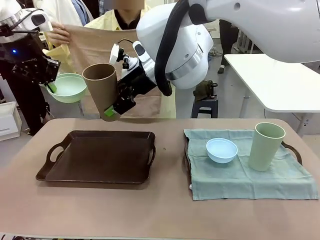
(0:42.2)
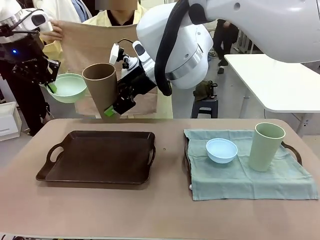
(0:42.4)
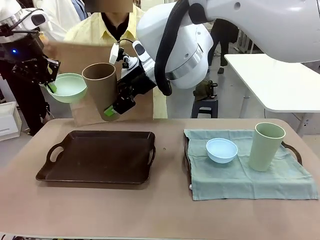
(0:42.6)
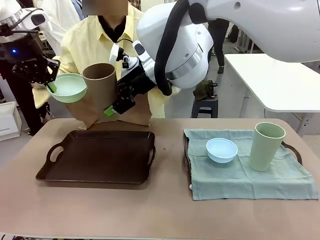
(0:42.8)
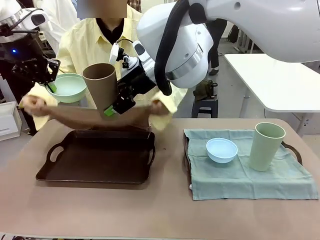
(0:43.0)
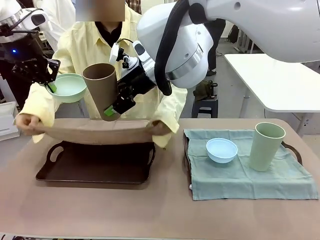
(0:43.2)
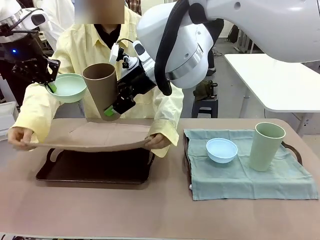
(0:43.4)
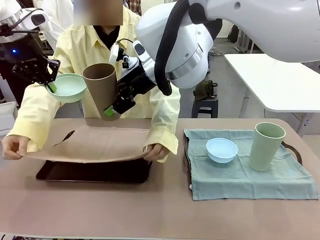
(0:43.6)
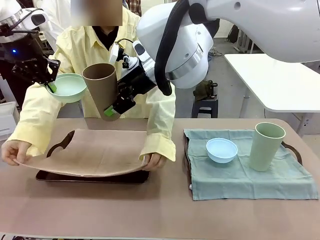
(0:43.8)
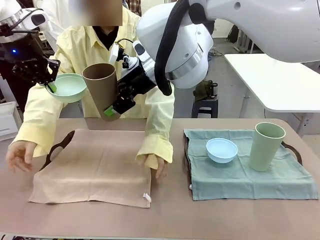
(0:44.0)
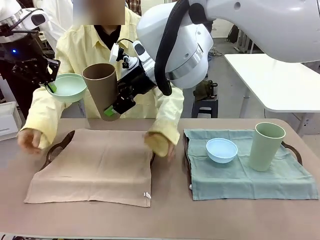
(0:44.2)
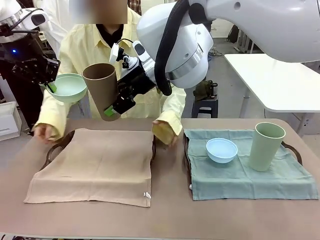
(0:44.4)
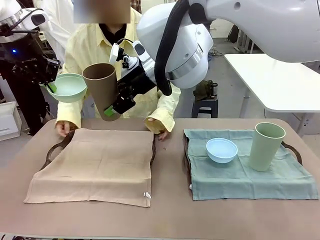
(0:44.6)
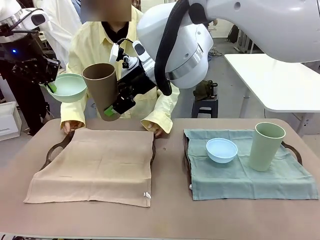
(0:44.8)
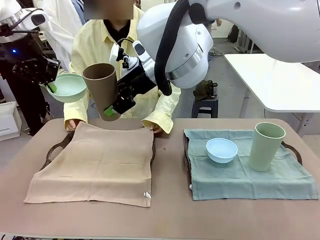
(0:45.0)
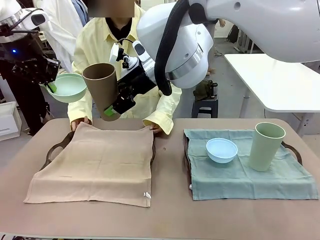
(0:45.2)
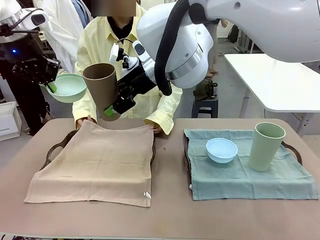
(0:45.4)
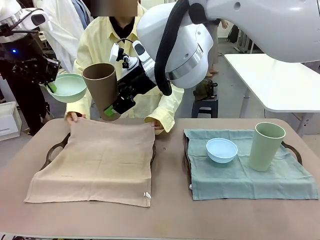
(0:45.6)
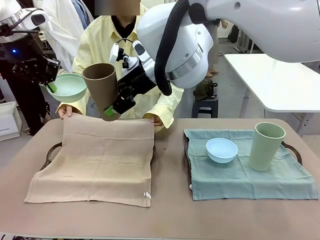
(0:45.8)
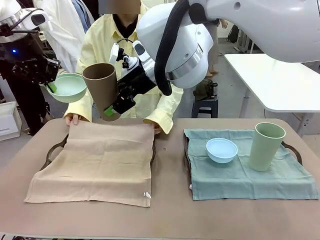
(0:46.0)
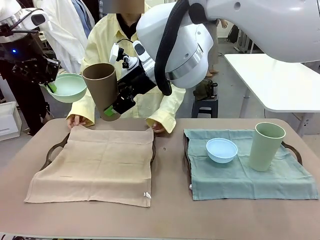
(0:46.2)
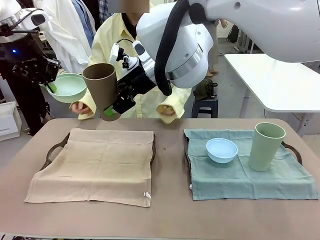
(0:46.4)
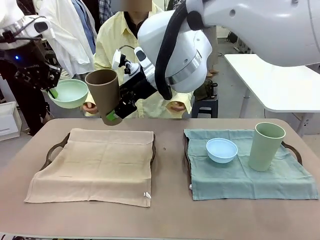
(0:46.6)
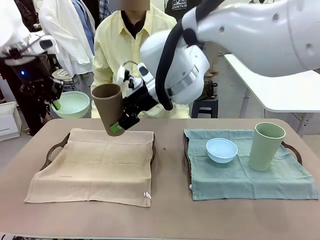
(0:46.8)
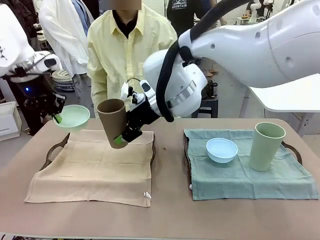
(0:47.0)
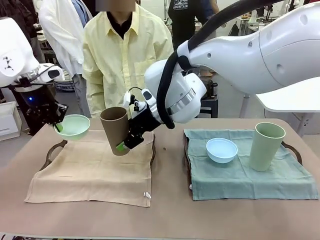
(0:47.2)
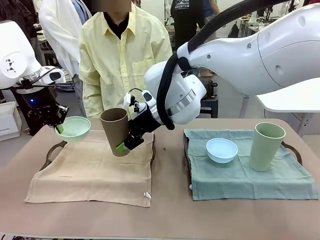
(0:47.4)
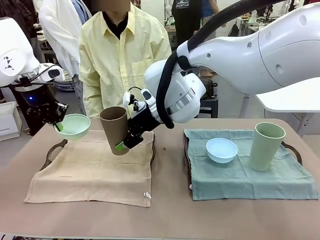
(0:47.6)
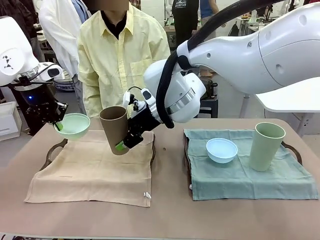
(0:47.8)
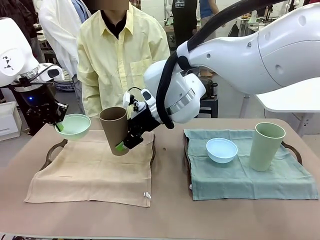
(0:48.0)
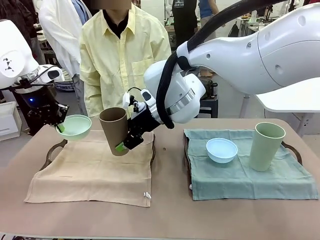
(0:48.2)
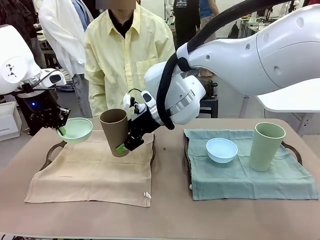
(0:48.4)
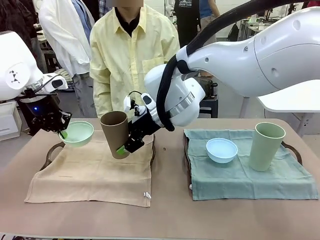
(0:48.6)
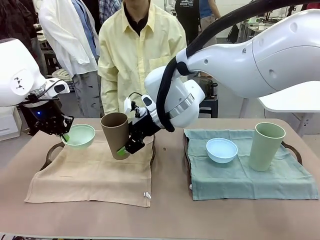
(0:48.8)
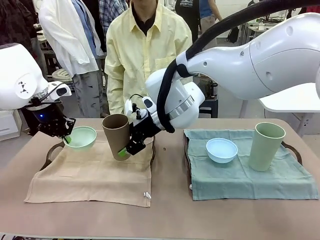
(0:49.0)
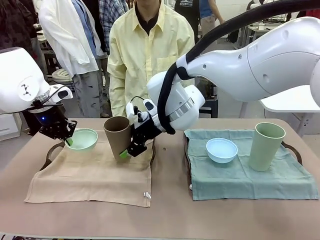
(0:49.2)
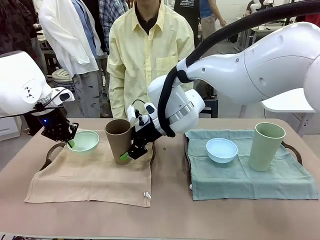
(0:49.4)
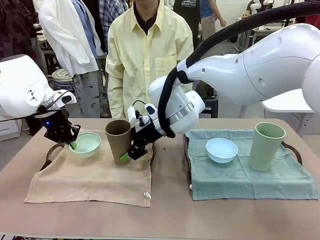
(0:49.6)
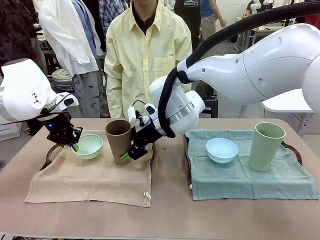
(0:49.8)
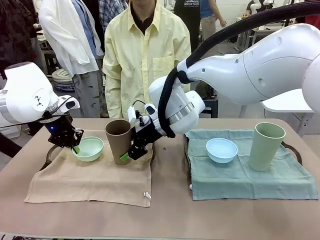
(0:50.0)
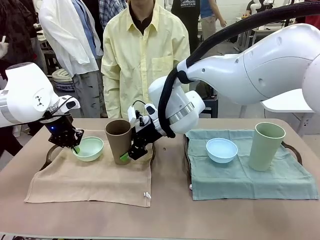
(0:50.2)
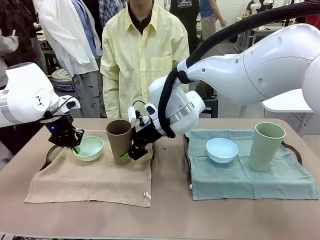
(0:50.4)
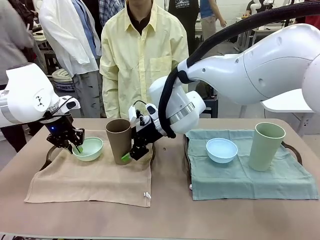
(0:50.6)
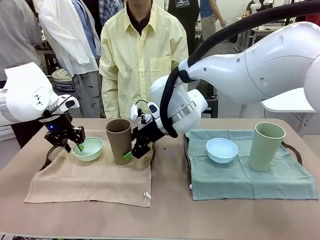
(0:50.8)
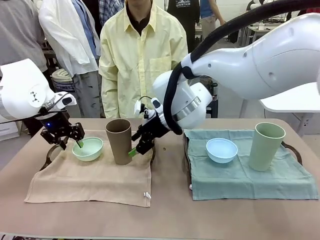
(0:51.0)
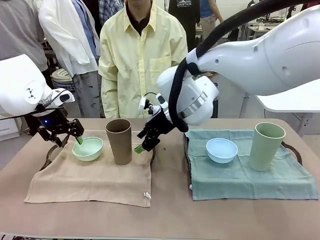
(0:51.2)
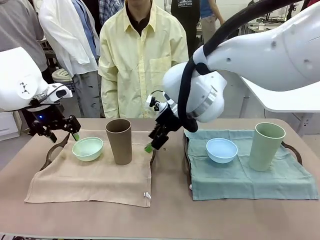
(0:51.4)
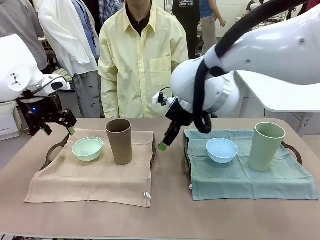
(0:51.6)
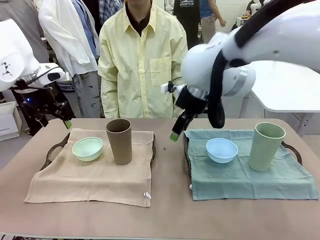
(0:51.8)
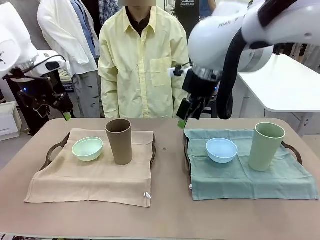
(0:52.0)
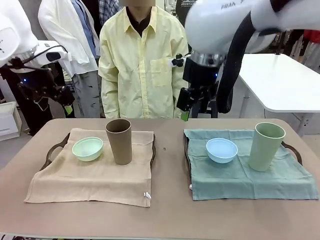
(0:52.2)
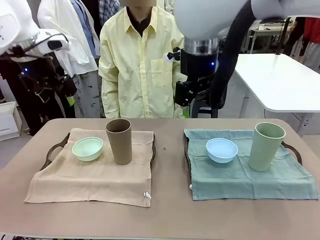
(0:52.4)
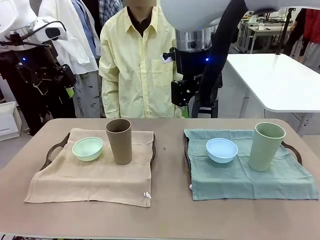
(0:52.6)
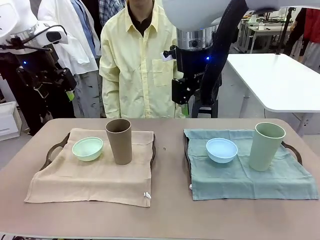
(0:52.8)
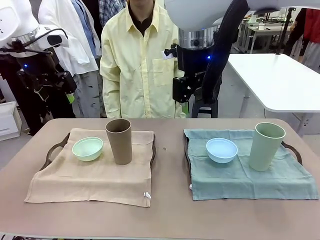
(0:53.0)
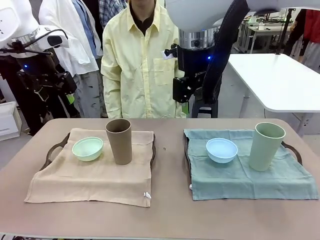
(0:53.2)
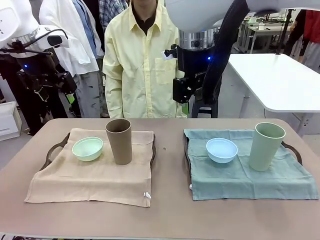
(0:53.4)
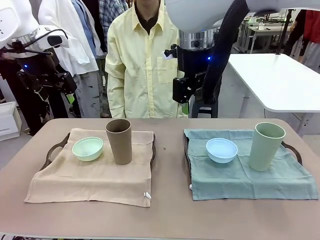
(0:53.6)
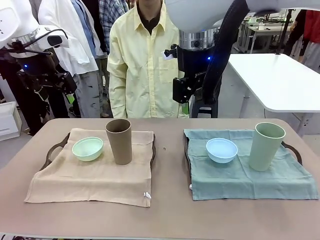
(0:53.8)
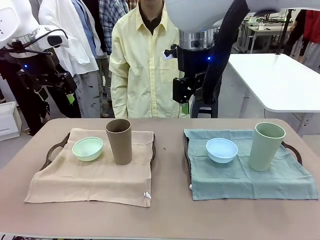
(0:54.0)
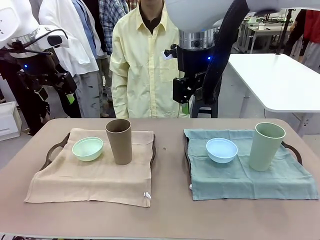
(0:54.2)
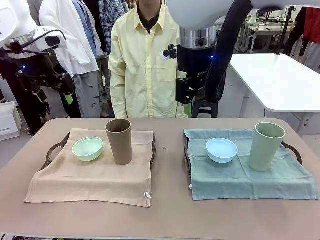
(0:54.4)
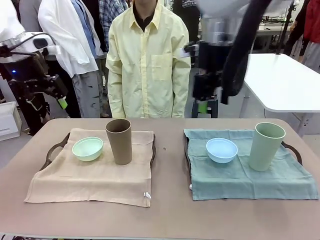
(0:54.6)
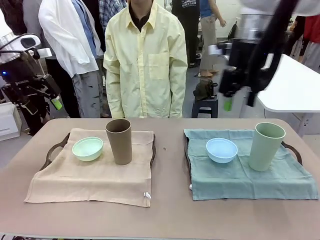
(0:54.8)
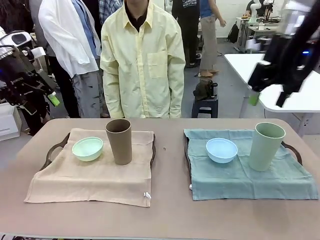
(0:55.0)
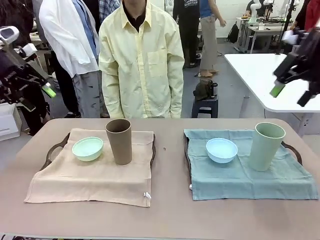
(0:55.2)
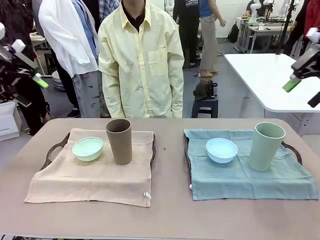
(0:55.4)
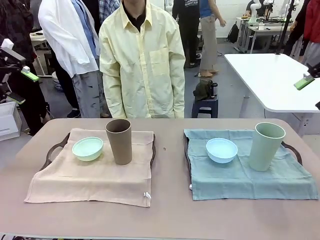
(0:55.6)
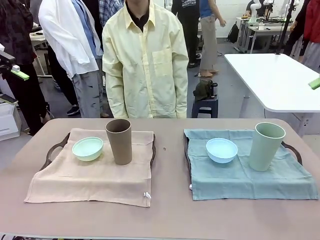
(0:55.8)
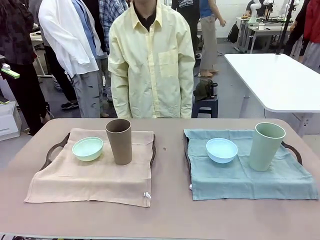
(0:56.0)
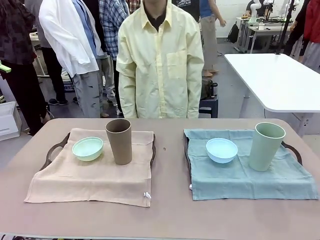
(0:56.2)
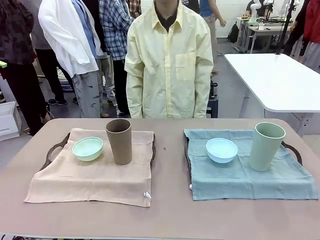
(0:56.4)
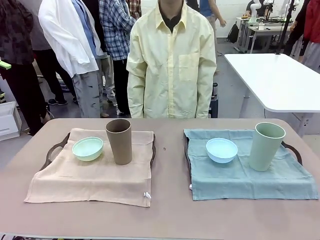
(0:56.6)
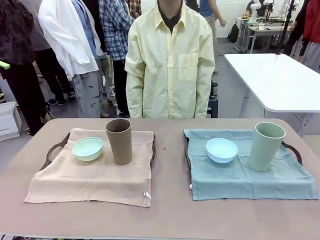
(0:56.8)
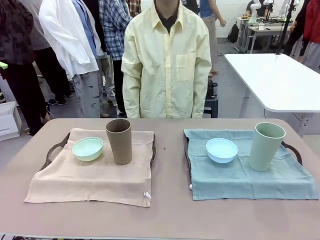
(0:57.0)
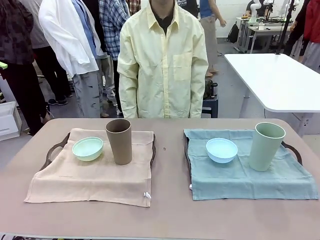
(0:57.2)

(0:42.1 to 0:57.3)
Robot: Place the Picnic Bowl and Reusable plastic cup back onto the Handle tray in front of the human's position.
Person: When the robot lifts the bowl and the cup, the human unfolds the napkin and lays the napkin flat on the tray.

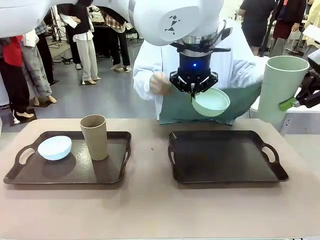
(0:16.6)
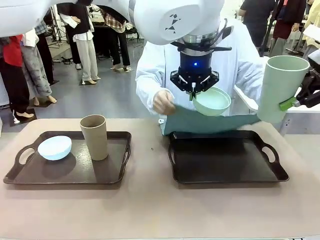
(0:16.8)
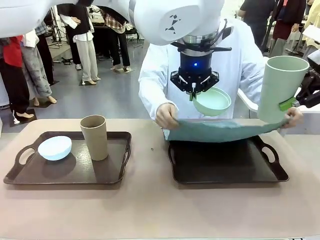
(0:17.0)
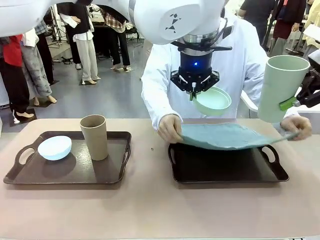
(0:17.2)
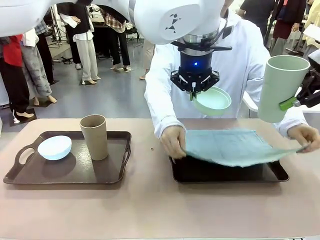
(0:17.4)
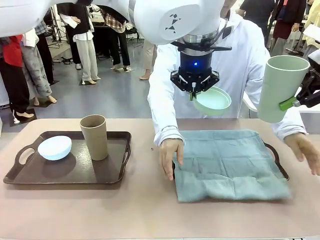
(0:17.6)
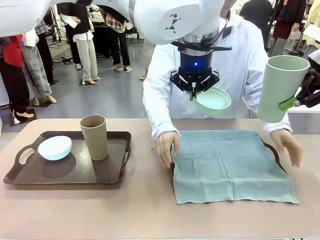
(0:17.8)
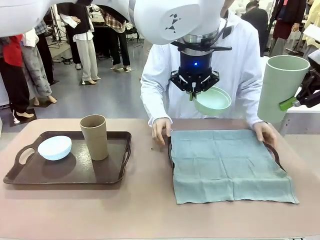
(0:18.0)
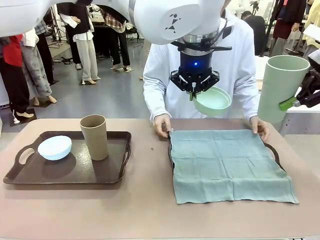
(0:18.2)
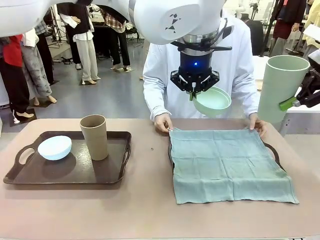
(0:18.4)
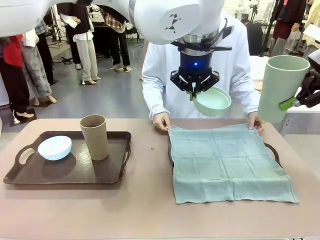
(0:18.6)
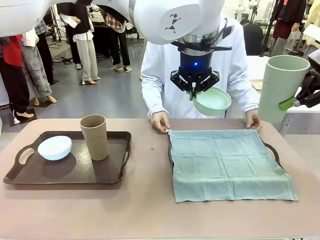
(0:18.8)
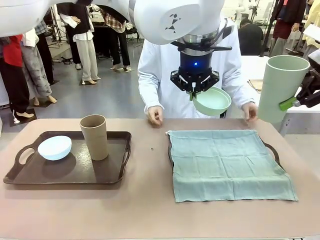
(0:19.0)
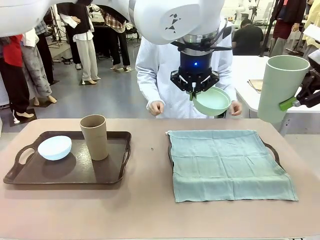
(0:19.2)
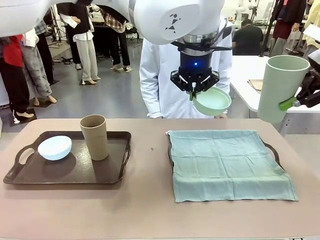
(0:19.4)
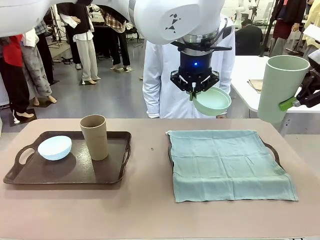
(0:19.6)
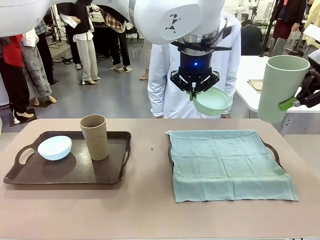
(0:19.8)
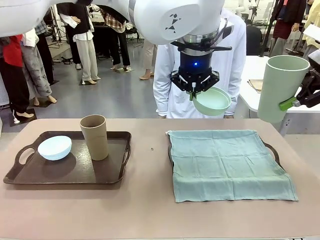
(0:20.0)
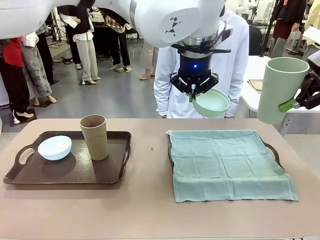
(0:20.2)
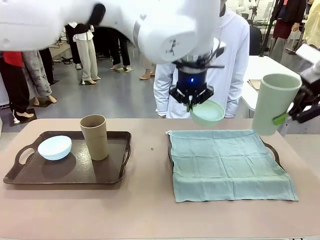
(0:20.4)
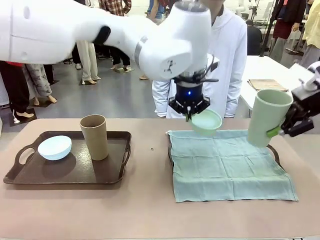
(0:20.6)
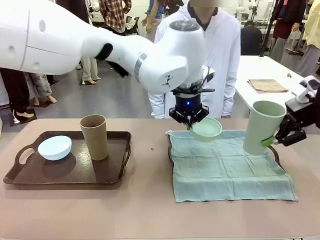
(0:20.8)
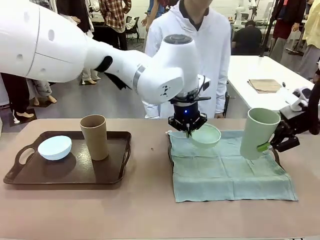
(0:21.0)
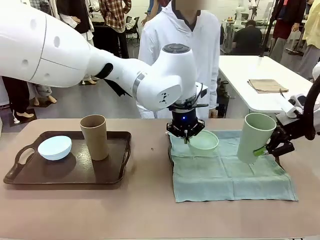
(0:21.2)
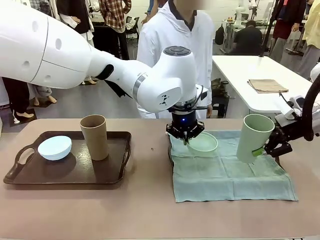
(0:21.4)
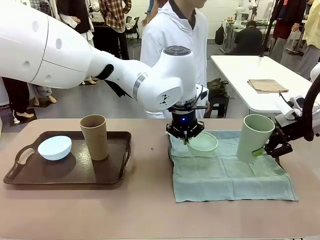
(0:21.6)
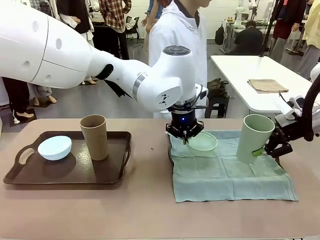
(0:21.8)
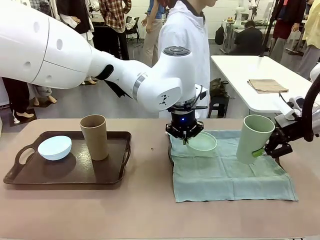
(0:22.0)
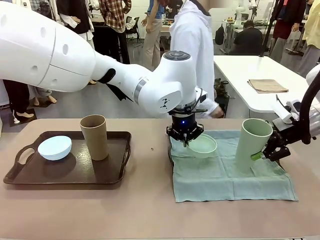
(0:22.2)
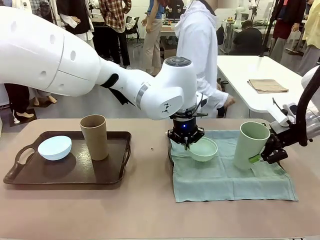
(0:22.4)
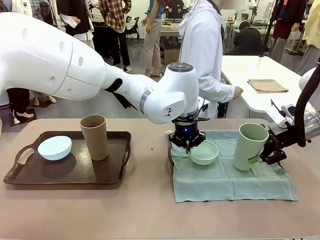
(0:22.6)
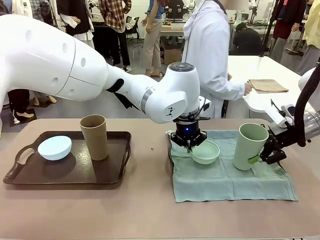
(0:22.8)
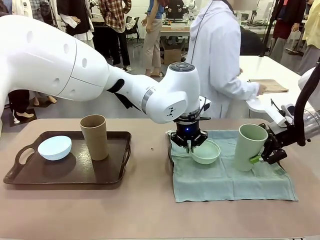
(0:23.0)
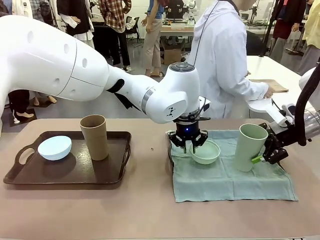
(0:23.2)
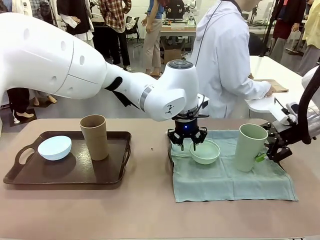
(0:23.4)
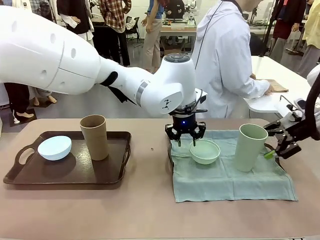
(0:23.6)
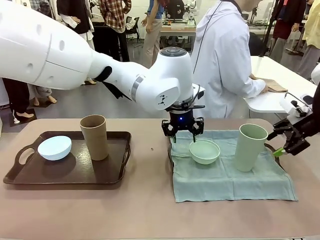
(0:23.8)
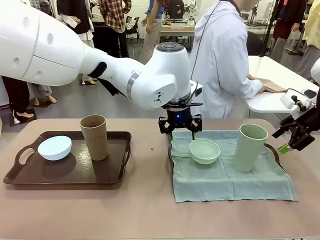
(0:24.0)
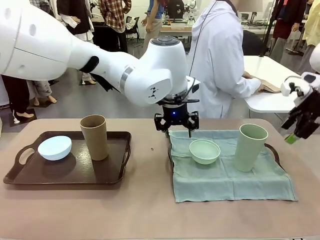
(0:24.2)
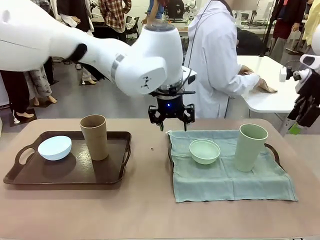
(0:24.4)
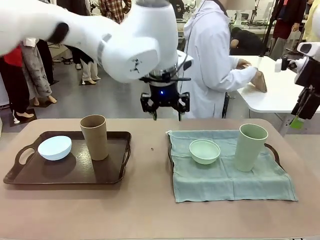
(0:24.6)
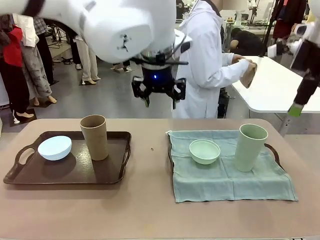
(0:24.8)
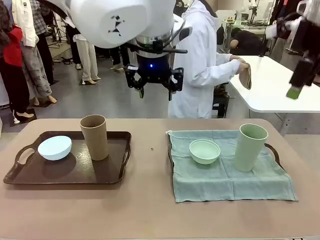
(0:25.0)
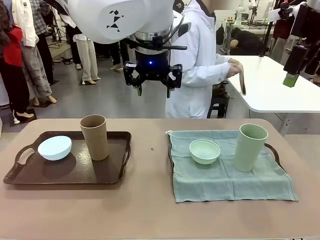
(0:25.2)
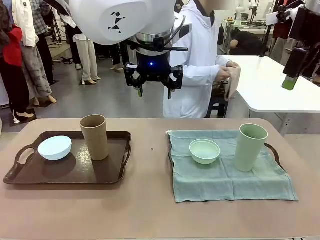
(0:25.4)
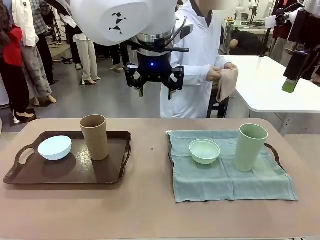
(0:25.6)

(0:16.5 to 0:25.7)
Robot: Place the Picnic Bowl and Reusable plastic cup back onto the Handle tray in front of the human's position.
Person: The human returns to the human table to pick up another napkin and walks to the robot table to stand in front of the tray without a napkin.
